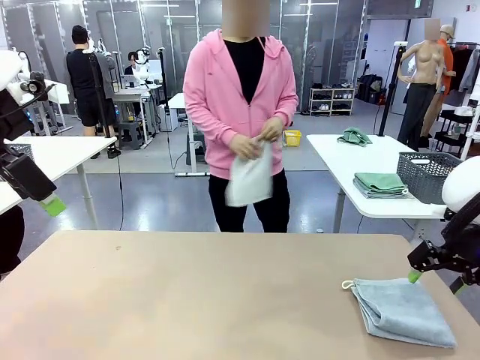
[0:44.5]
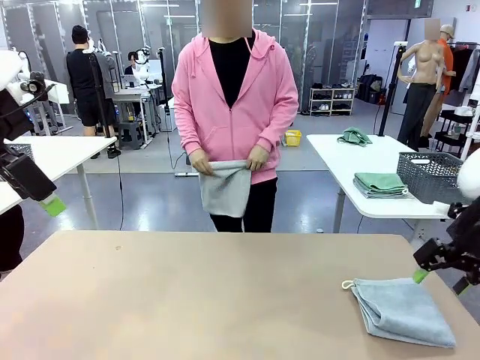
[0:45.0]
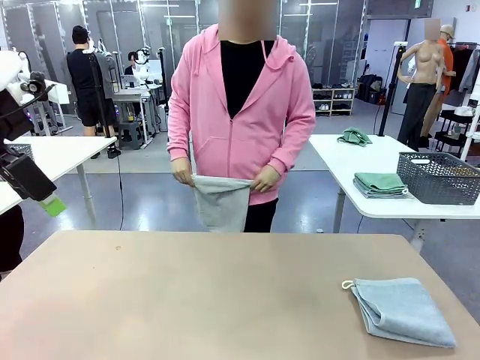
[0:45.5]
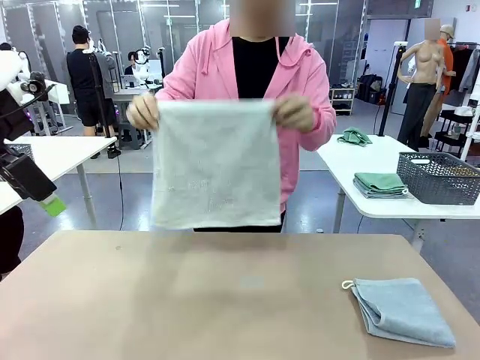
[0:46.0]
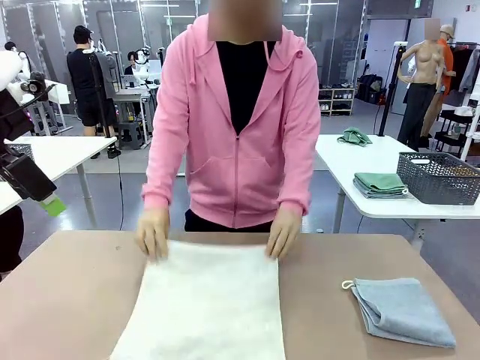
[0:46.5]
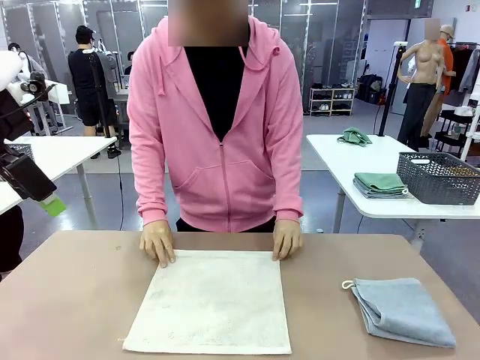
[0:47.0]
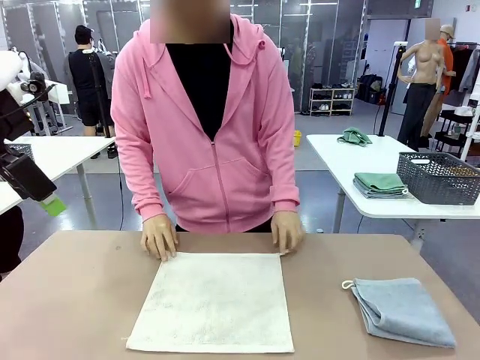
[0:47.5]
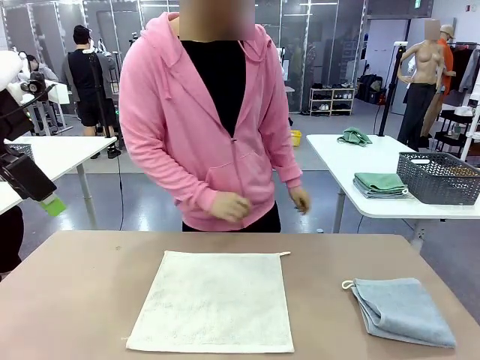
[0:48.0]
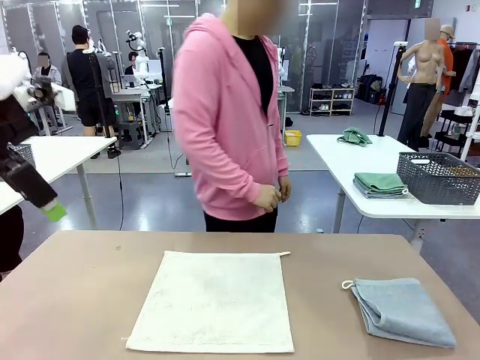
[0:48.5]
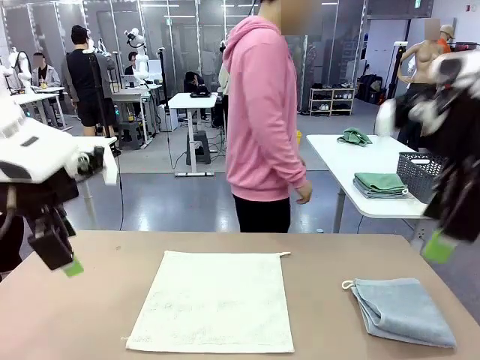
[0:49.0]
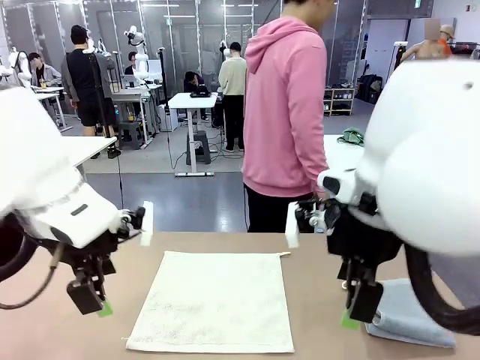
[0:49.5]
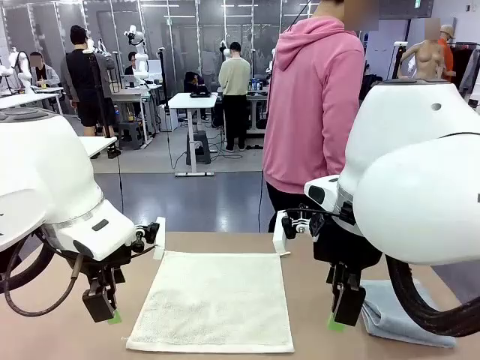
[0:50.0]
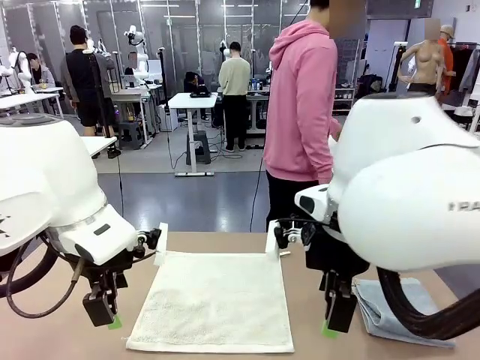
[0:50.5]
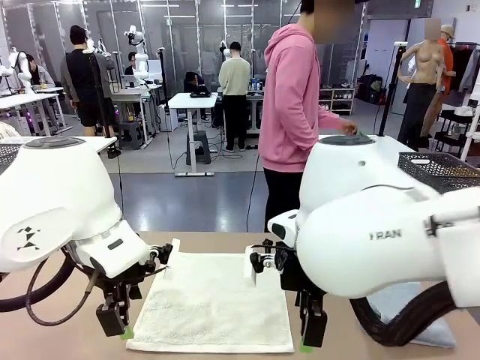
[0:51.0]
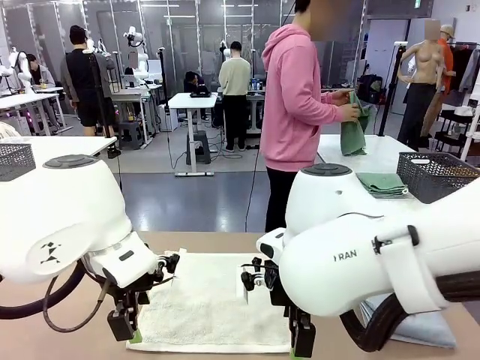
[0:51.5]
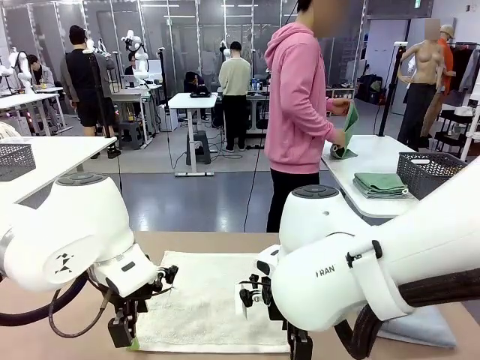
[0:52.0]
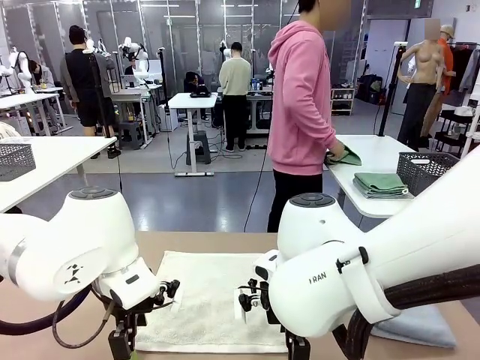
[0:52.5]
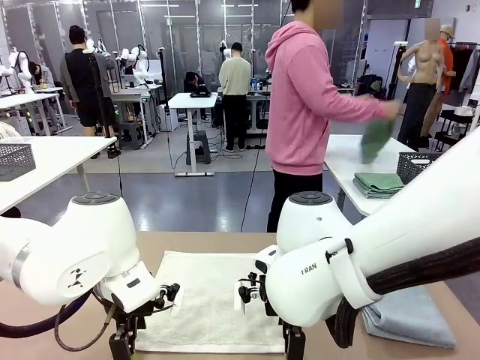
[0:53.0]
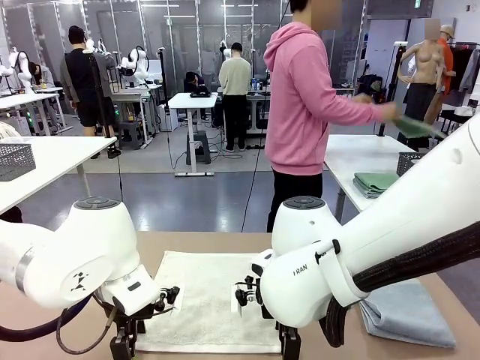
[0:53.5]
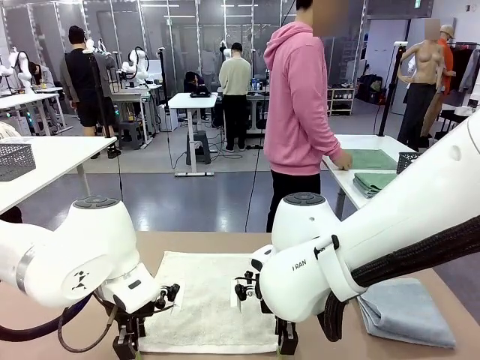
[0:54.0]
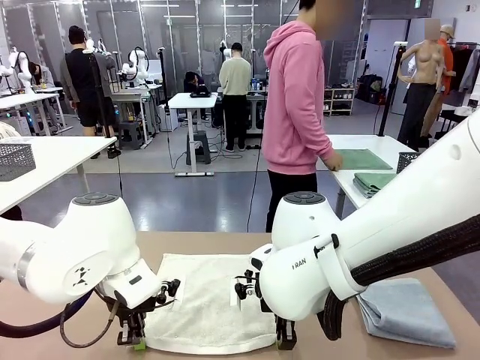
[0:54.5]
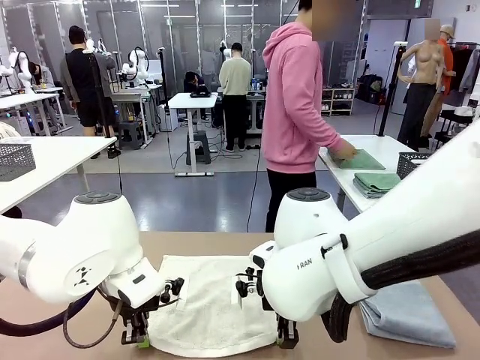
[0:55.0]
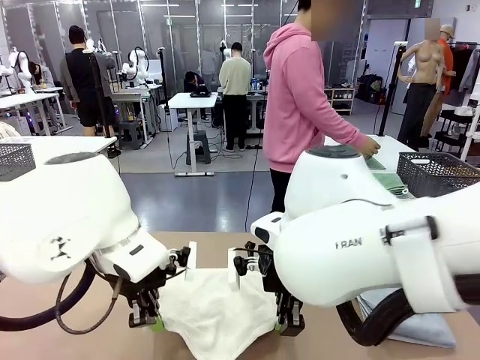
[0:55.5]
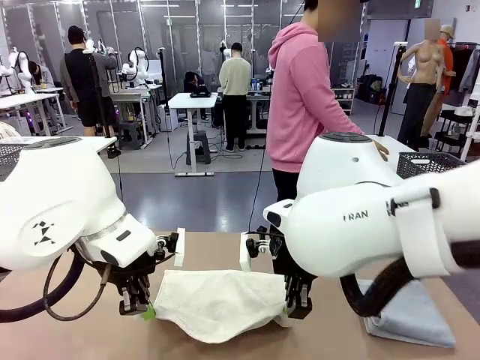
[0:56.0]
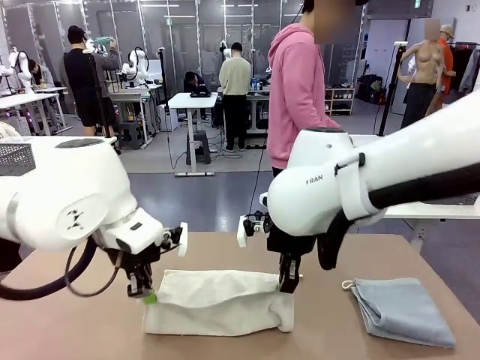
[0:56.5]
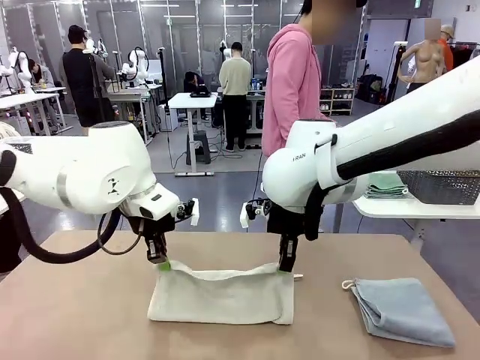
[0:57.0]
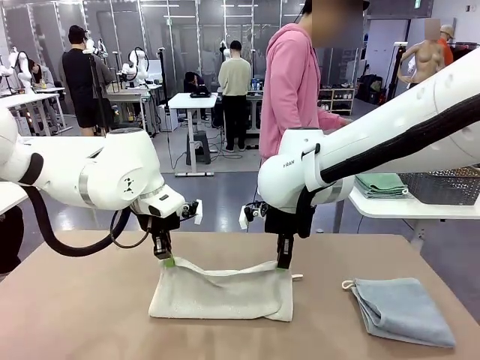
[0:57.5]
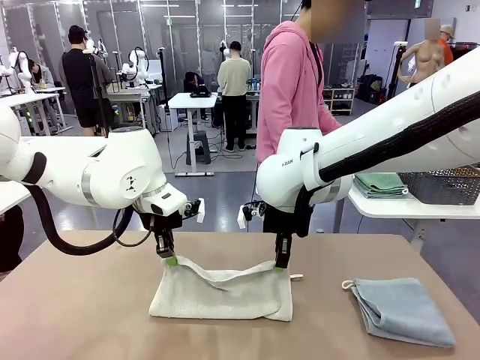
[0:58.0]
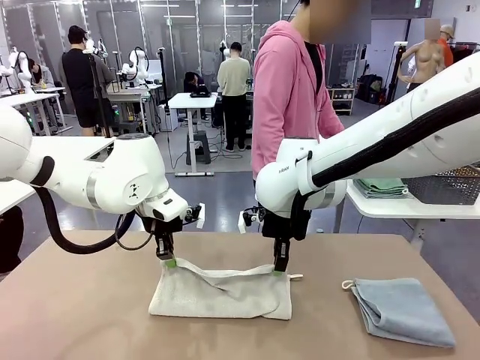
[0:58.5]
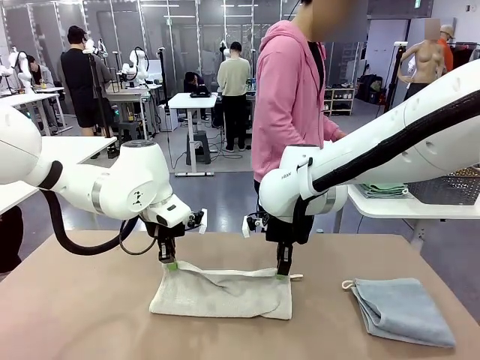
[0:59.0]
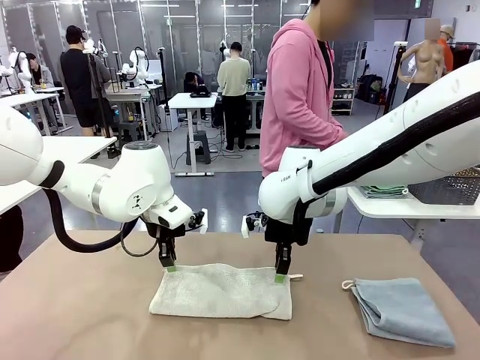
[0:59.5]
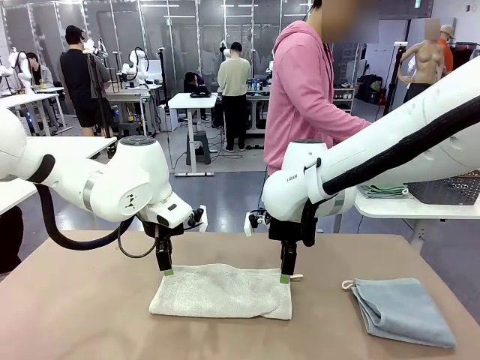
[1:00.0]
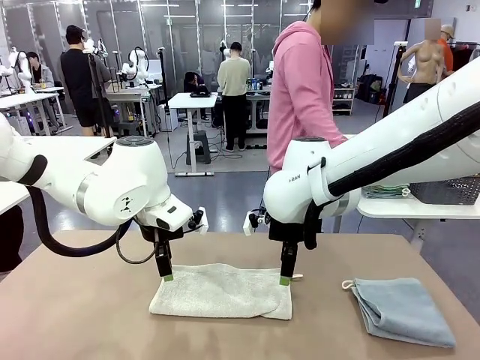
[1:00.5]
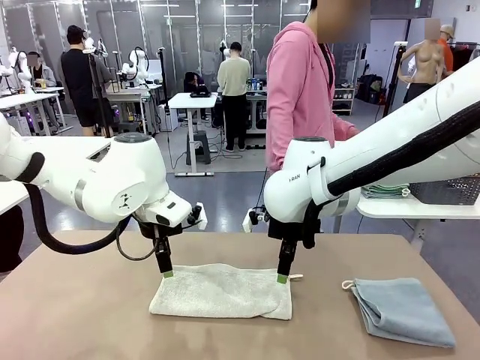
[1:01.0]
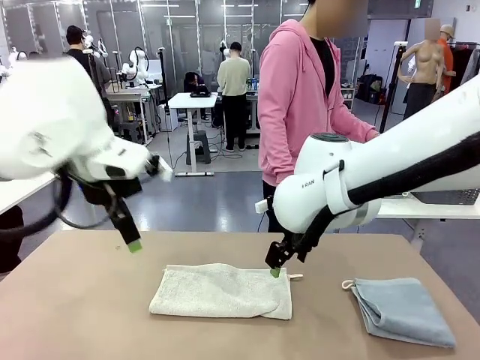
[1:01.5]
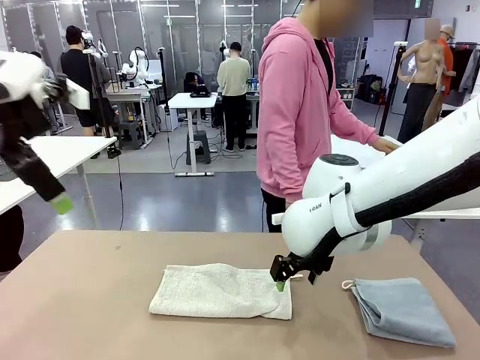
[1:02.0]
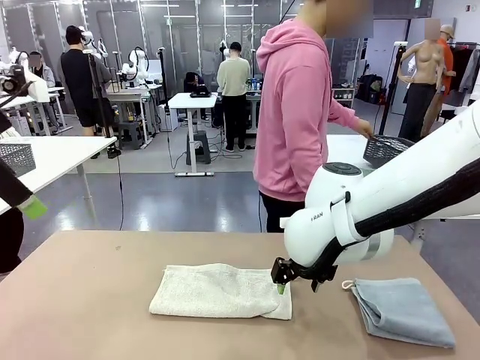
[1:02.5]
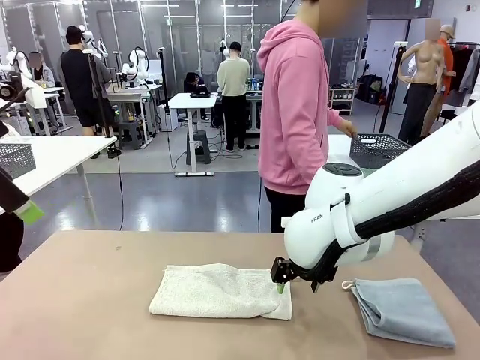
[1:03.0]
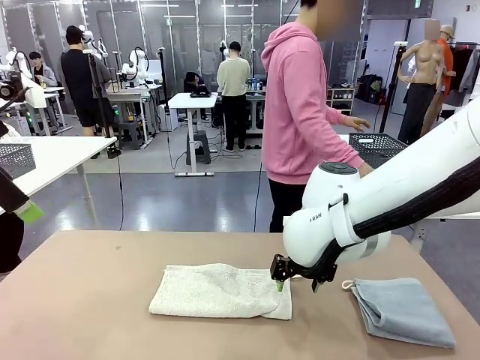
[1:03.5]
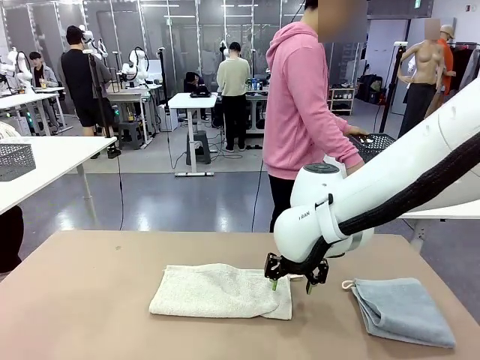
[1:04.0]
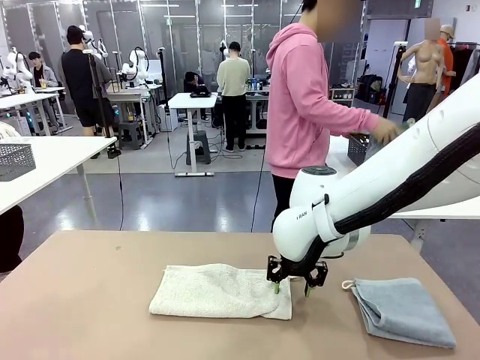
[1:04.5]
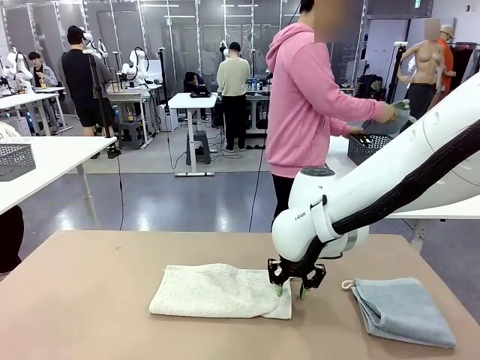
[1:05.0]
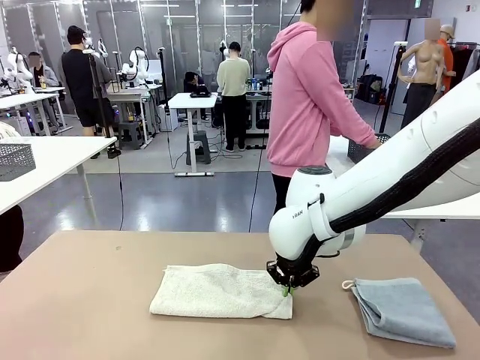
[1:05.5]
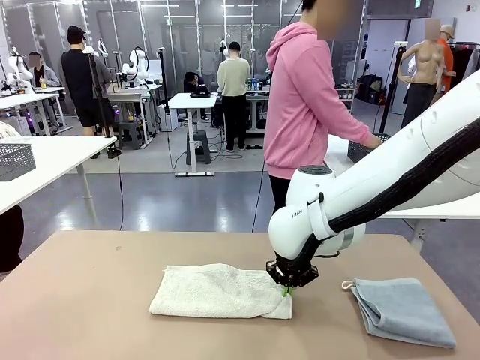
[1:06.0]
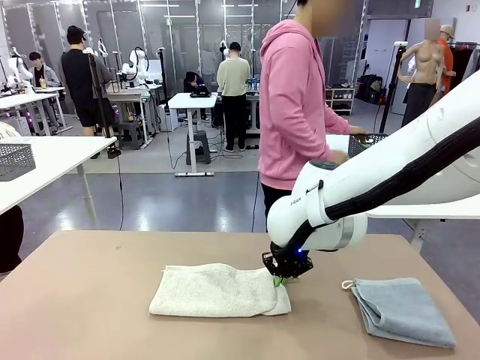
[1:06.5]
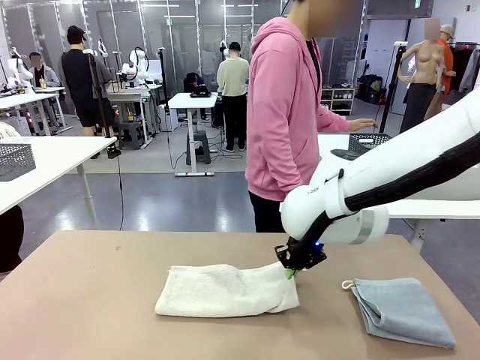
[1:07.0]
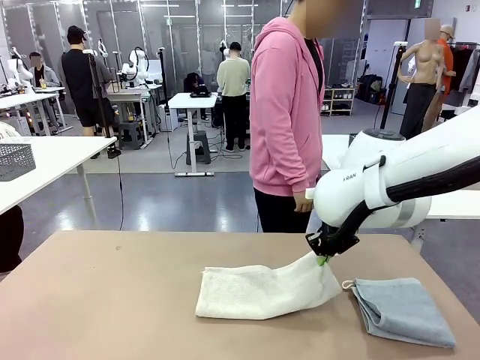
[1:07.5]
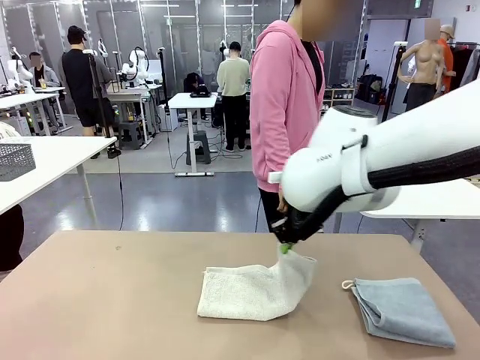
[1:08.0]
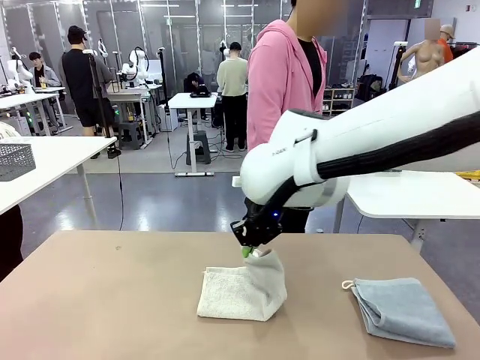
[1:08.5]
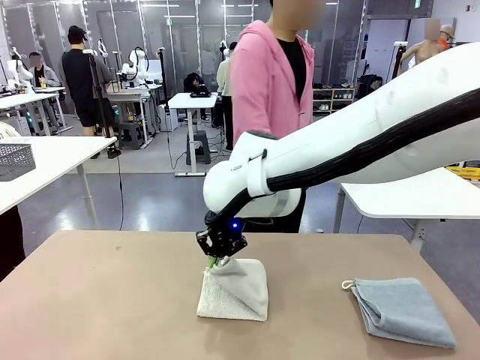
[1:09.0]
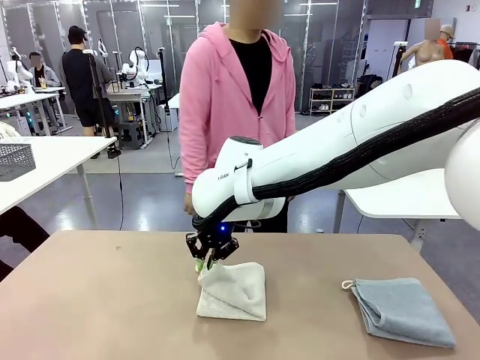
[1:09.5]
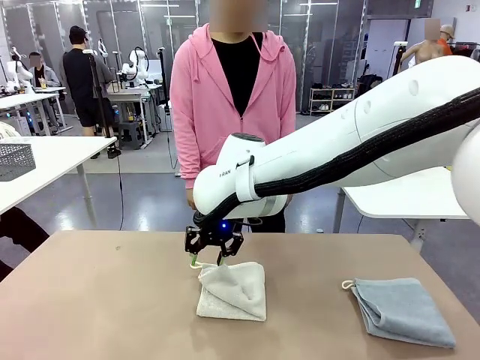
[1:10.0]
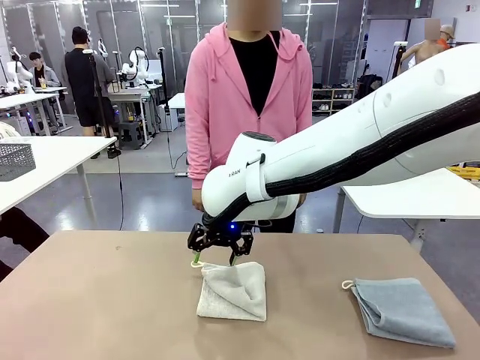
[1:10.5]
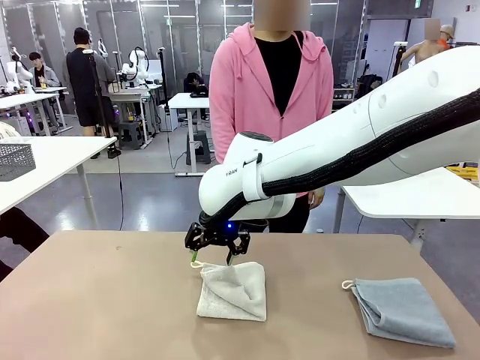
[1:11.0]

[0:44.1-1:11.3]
Task: Fold the towels and place them in the basket.
Robot: When a person lays out a Towel with hook on the table, fold it in half twice.
Person: Pick up one towel from the left side of the human table and spread it out at the center of the robot table. Pick up one towel from the left side of the human table, fold it in half twice, and stack it on the right side of the table. Pick up the stack of towels from the right side of the human table, place it into the basket, and put the basket at the center of the table.
